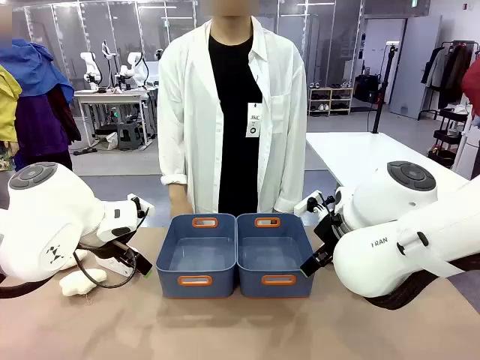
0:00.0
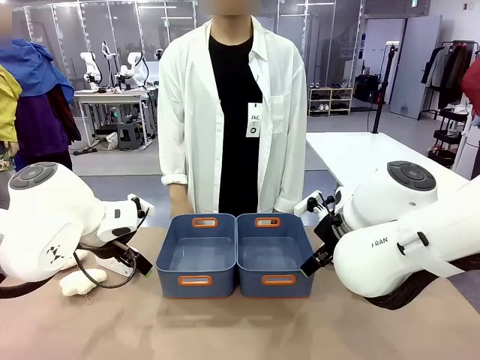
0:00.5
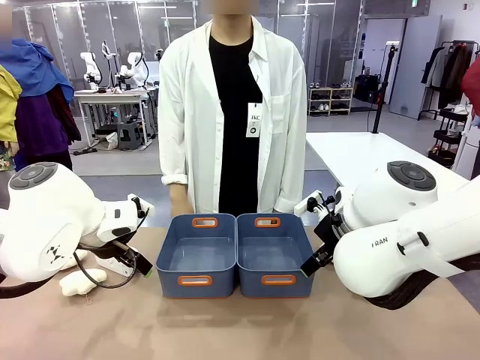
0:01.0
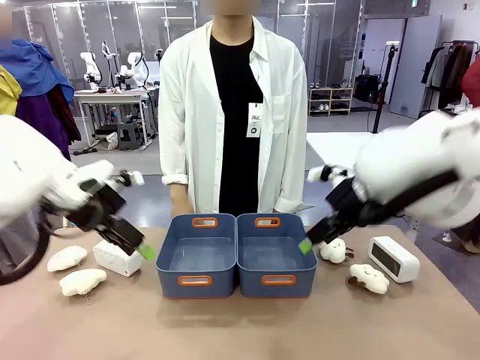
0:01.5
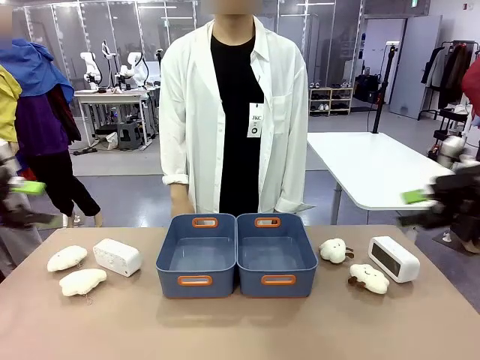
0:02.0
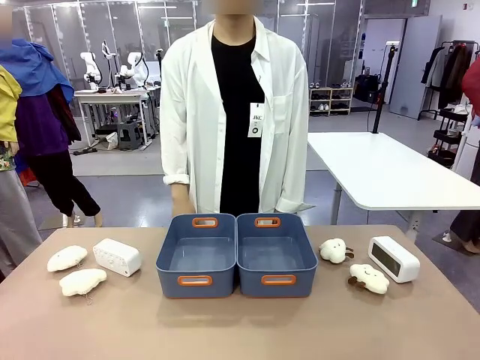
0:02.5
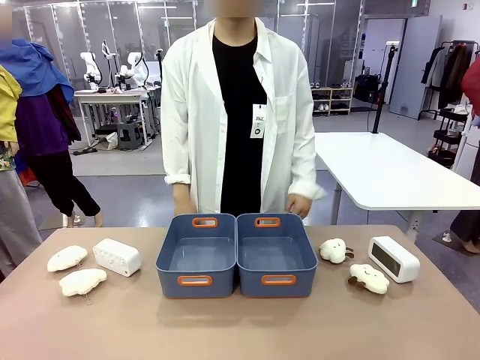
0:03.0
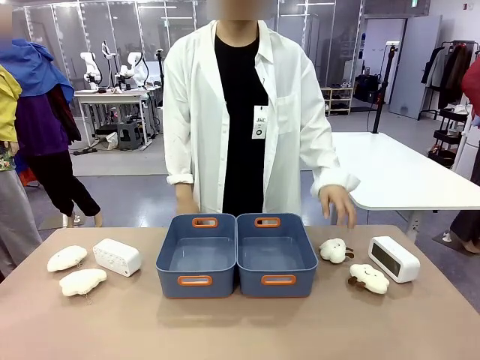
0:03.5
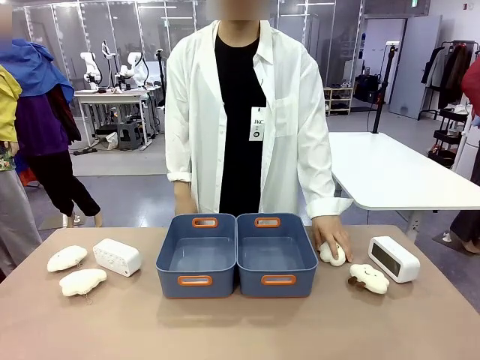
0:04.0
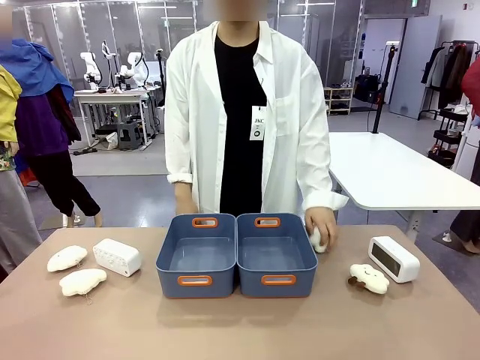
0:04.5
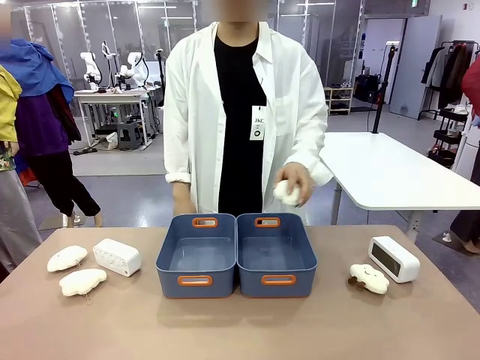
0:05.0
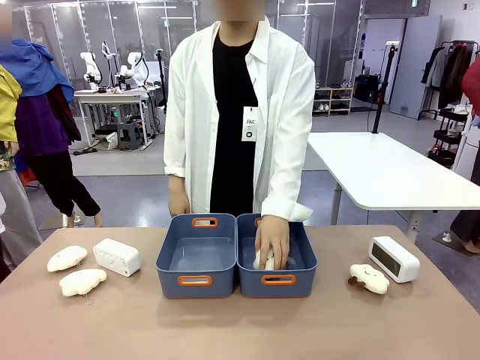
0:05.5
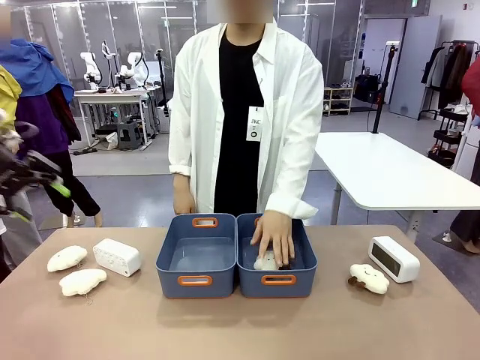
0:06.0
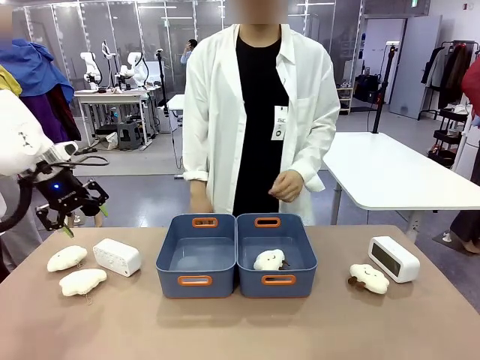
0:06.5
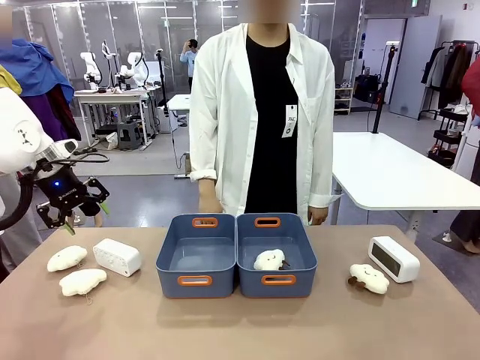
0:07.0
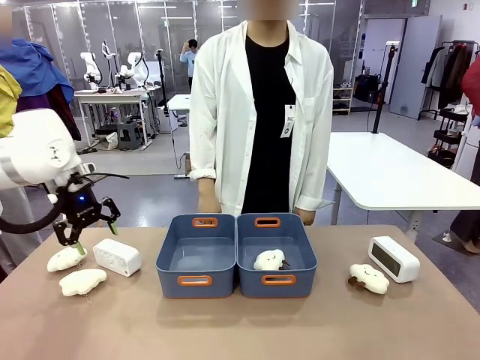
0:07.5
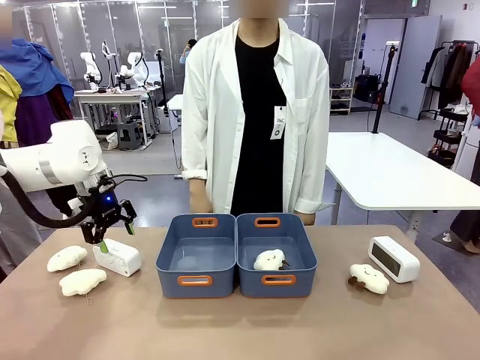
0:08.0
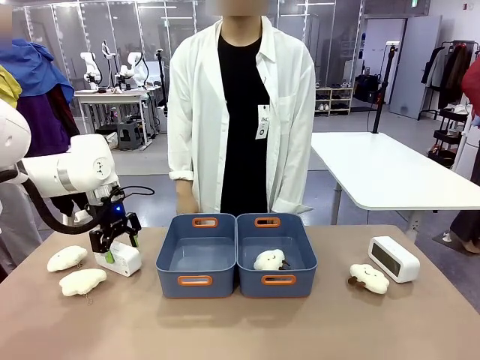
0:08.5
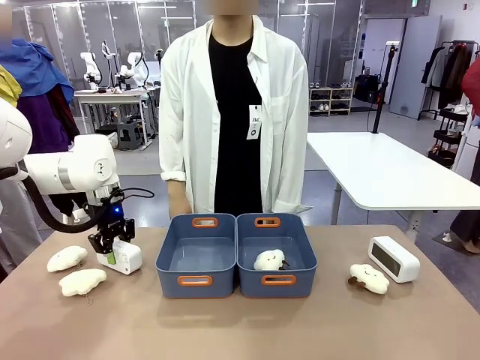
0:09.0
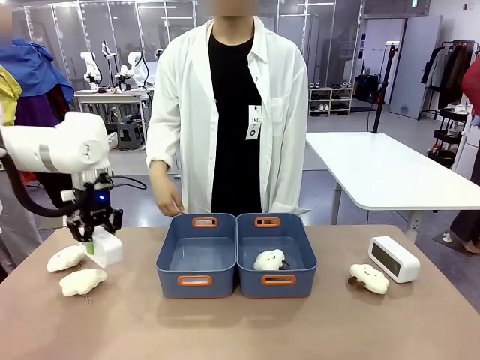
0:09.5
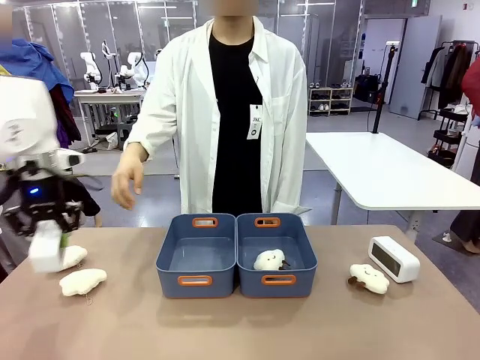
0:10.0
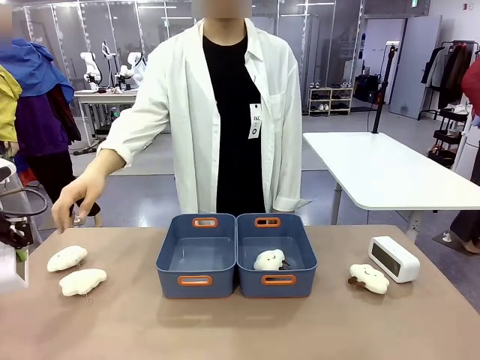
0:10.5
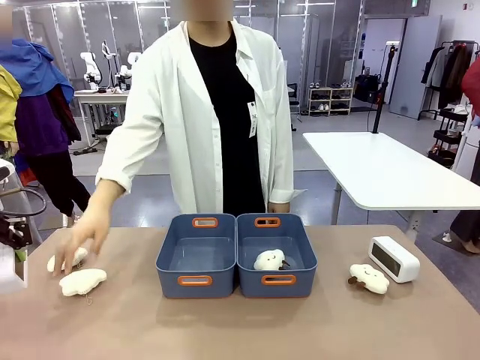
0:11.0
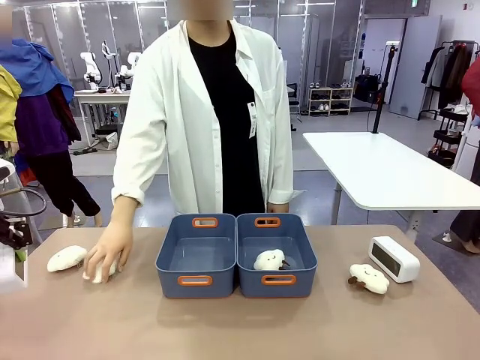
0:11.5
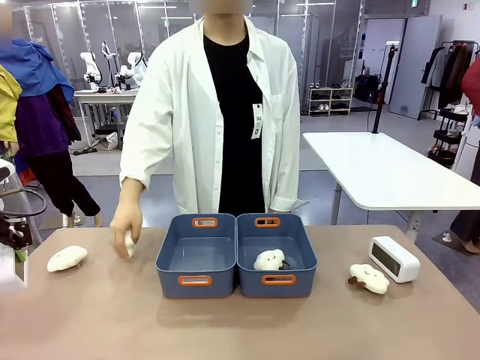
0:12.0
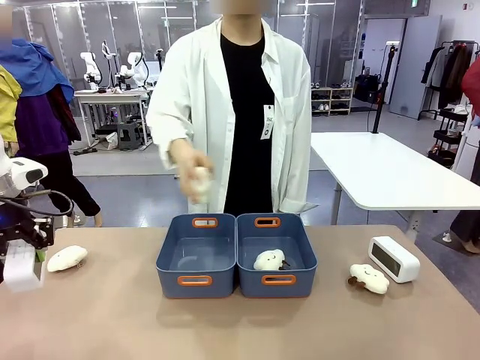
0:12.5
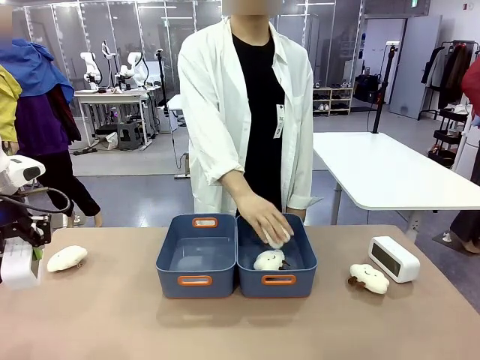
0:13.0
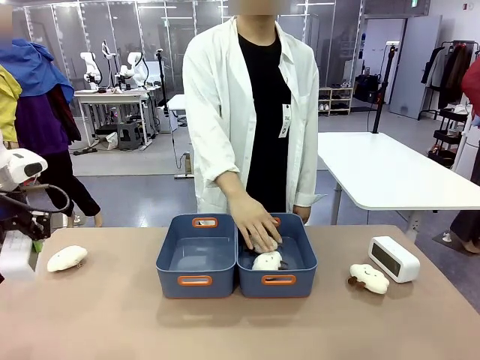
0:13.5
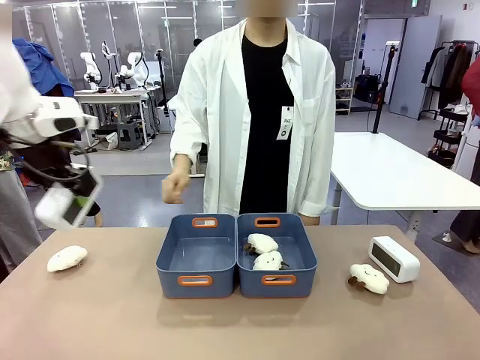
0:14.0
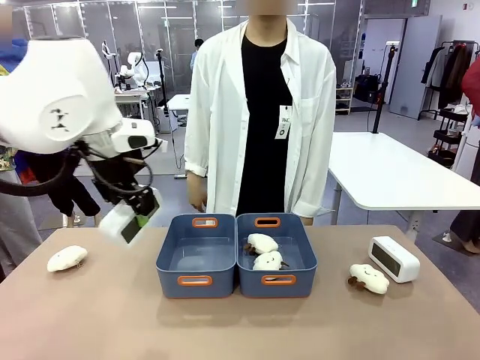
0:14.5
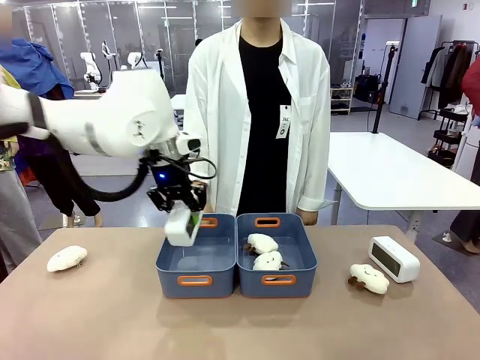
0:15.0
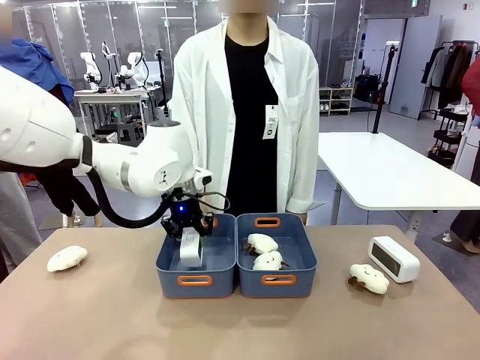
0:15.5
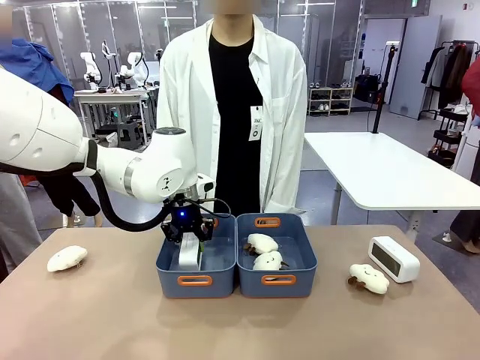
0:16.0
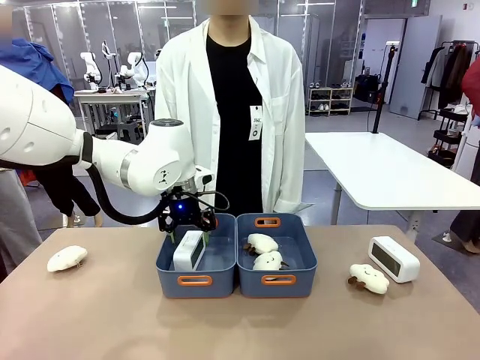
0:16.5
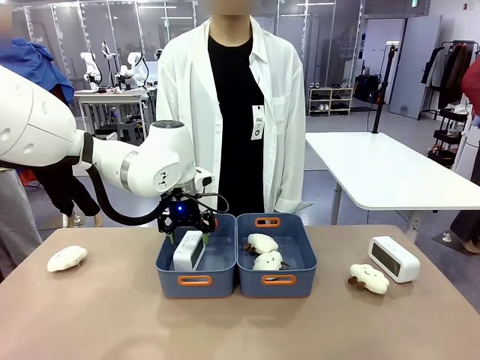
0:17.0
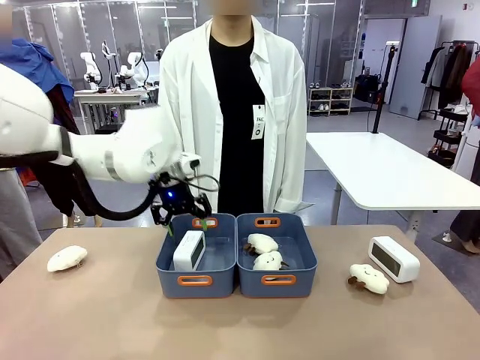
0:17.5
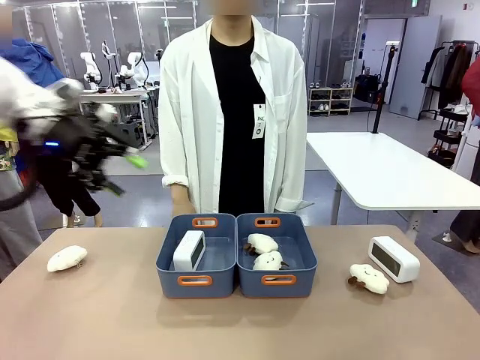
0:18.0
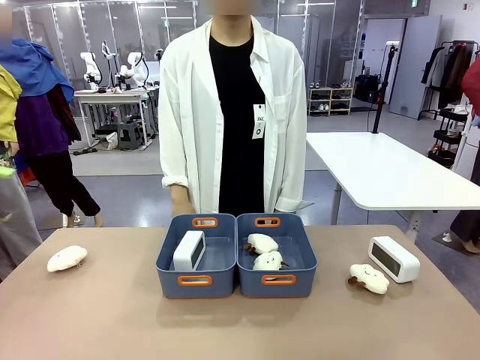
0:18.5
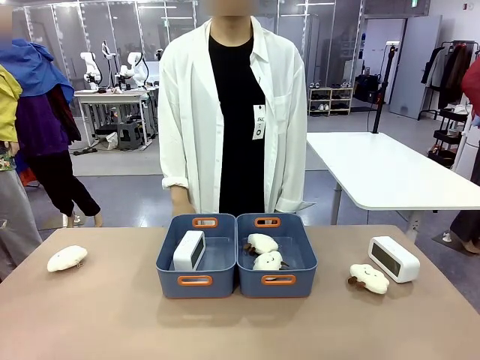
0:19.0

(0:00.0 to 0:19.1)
Task: Sort the digital clocks into the basket.
Robot: Pick up the Digital clock from the table and place it into the empty Plastic storage basket.
Person: Pick up a plush toy from the table and place it in a plastic storage basket.

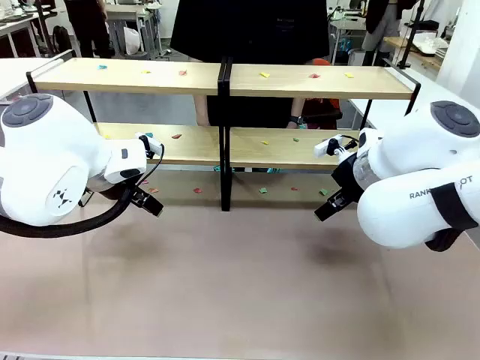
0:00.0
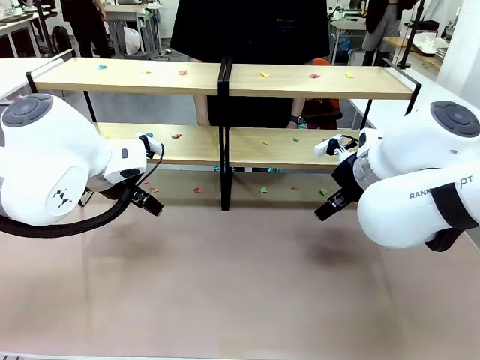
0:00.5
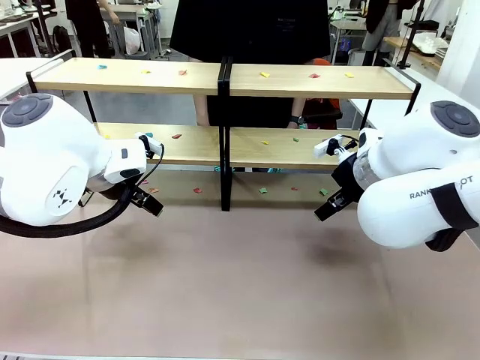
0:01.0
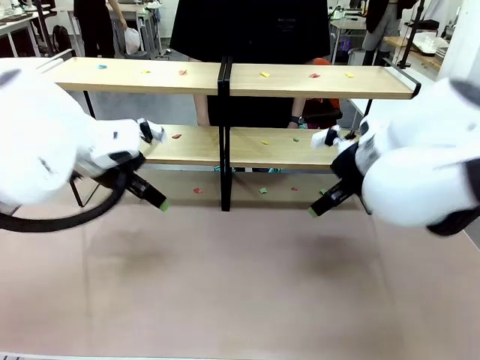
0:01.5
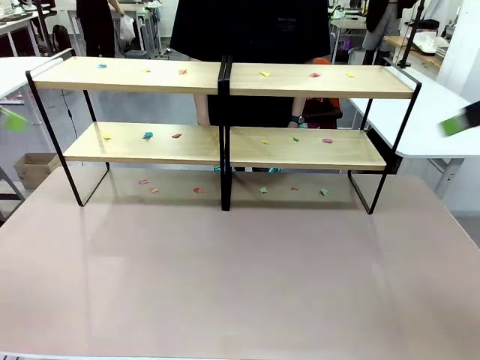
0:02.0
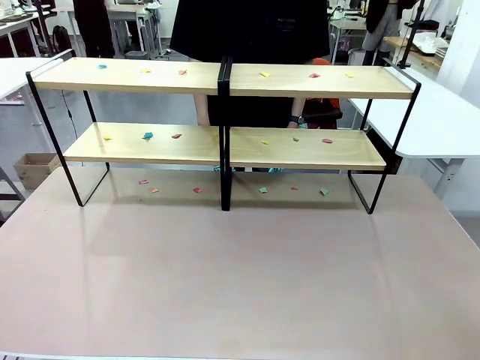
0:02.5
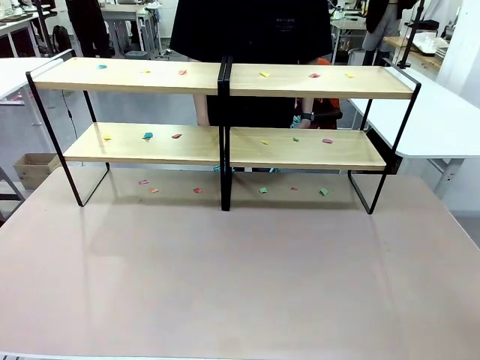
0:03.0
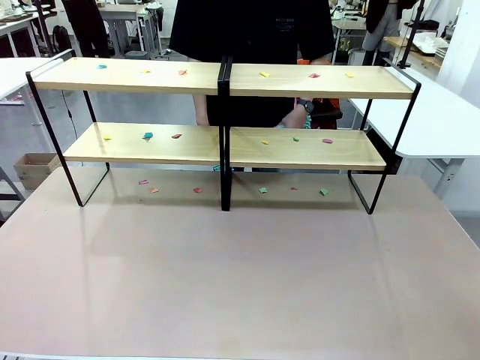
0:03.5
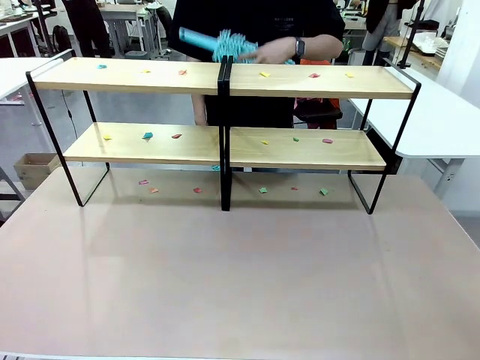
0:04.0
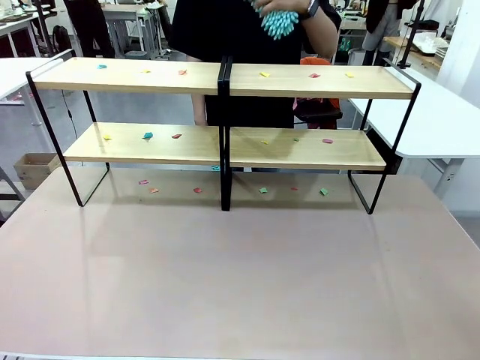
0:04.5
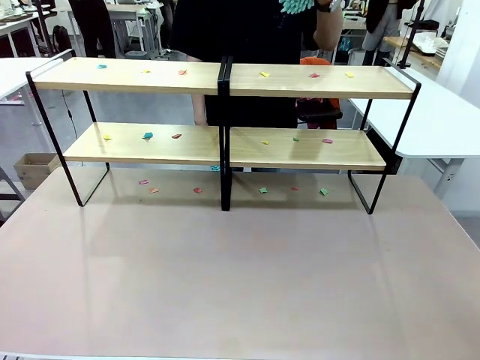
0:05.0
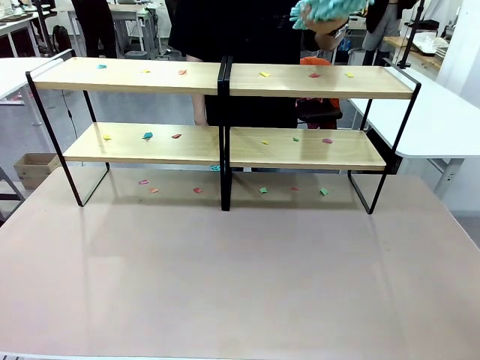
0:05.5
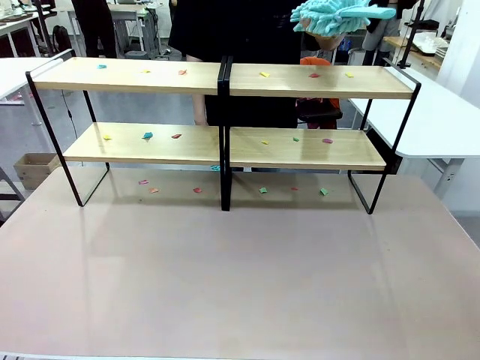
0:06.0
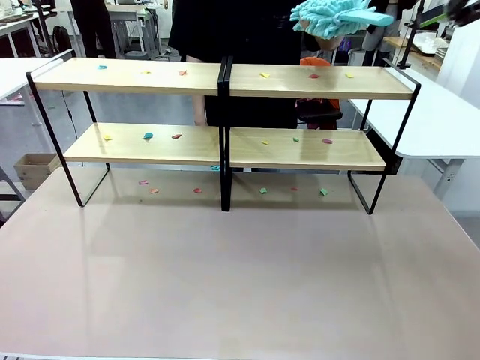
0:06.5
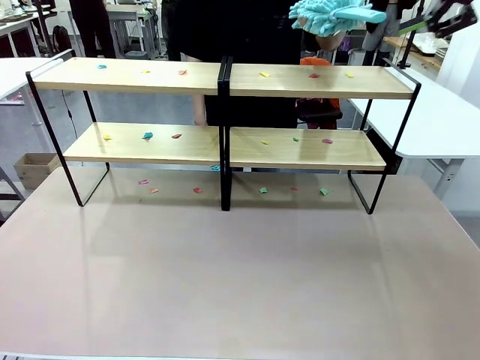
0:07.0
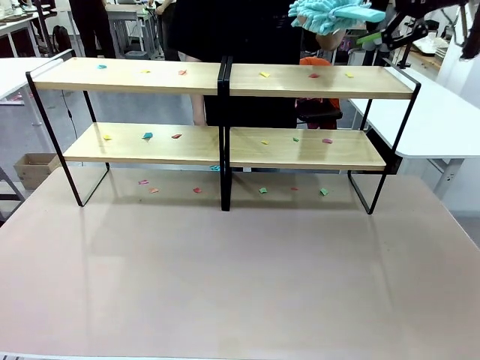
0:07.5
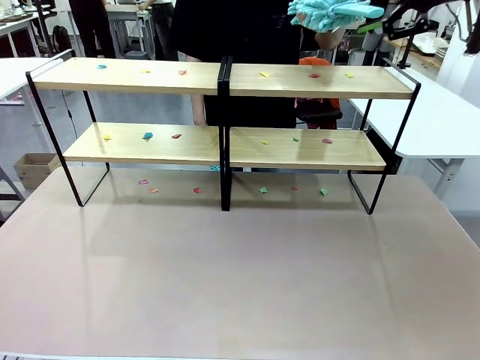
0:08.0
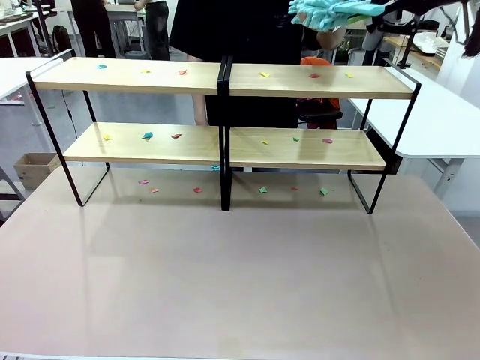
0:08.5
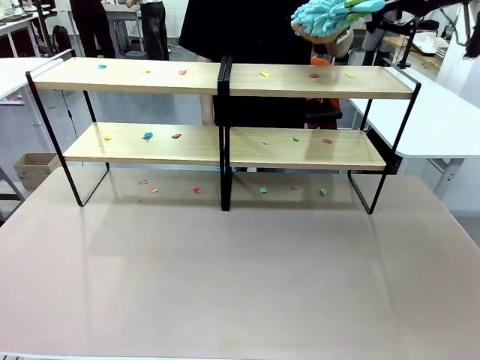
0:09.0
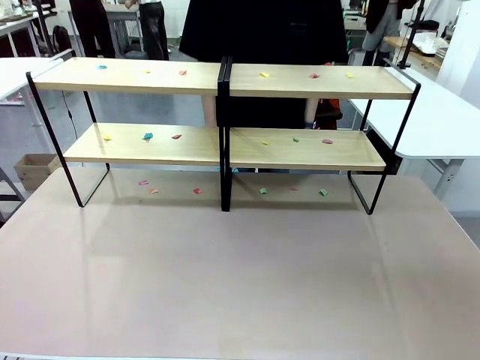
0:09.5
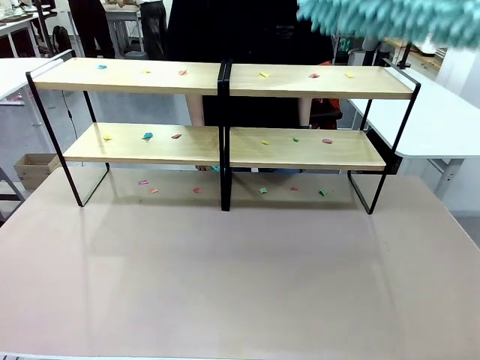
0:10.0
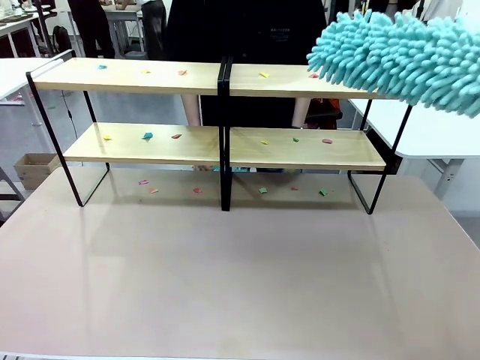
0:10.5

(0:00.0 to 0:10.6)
Task: Clean the shelves.
Robot: Pick up the Duster when the human hands it over.
Person: Hand the Duster to the robot with your right (or left) hand.
